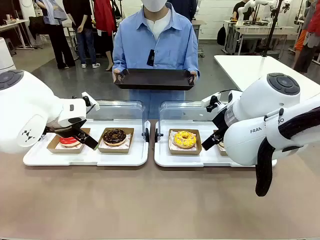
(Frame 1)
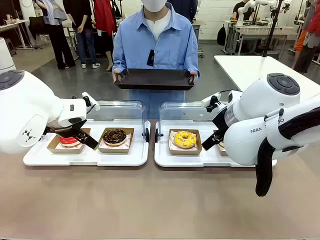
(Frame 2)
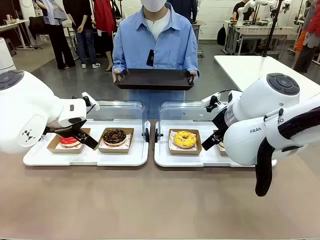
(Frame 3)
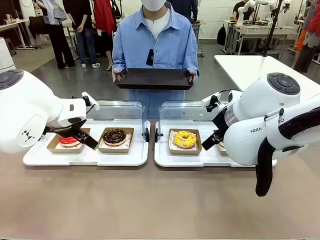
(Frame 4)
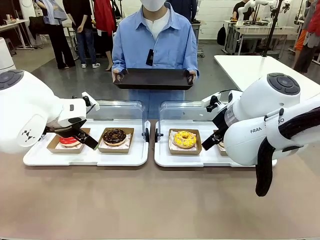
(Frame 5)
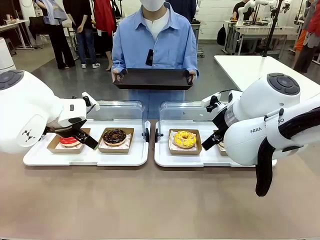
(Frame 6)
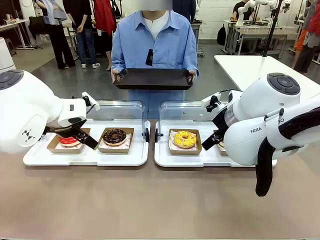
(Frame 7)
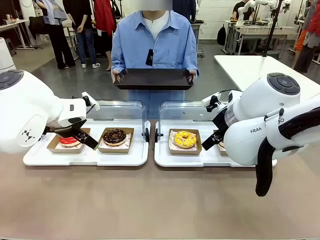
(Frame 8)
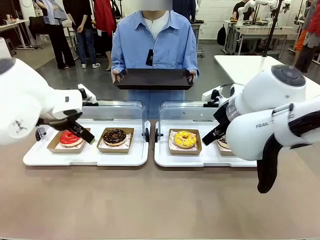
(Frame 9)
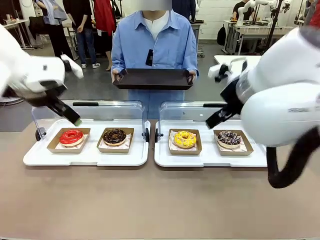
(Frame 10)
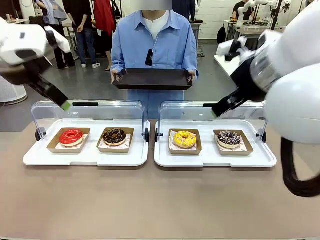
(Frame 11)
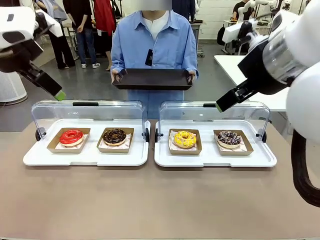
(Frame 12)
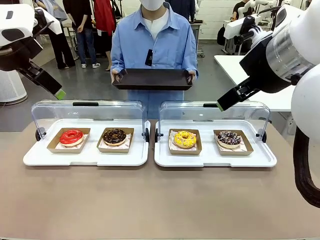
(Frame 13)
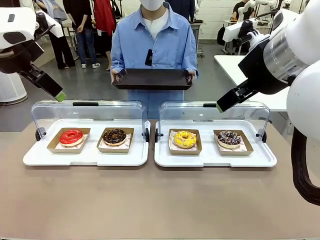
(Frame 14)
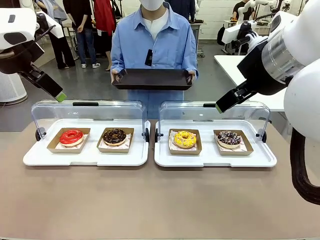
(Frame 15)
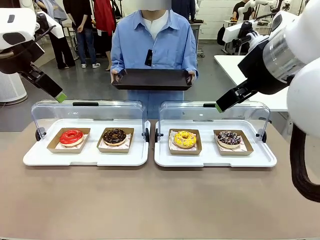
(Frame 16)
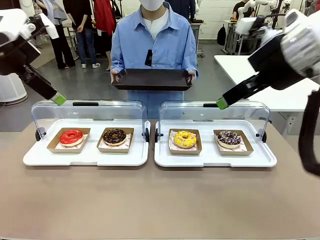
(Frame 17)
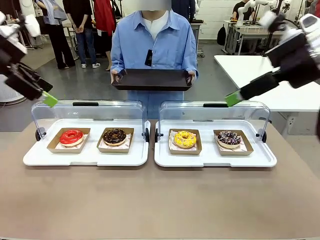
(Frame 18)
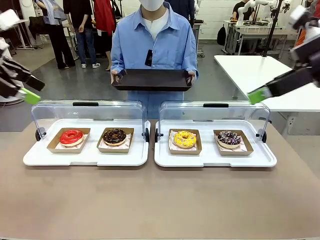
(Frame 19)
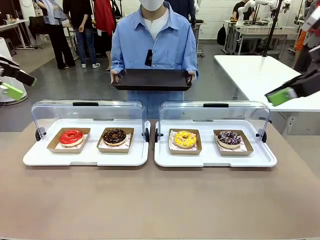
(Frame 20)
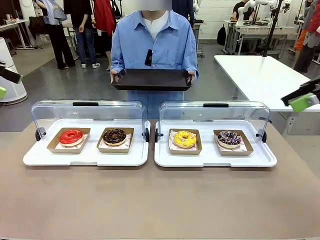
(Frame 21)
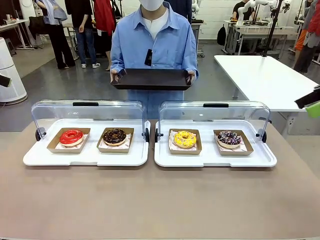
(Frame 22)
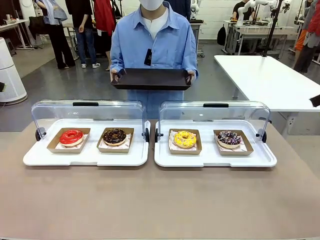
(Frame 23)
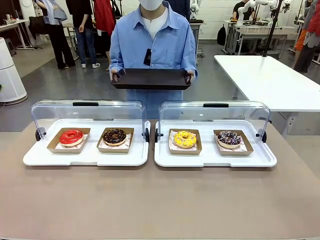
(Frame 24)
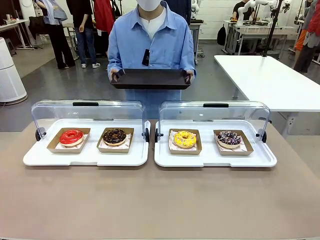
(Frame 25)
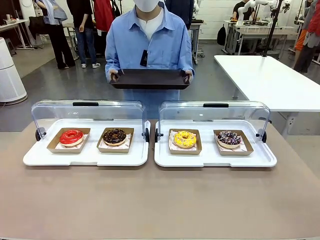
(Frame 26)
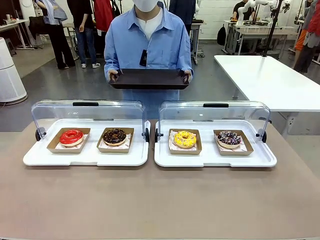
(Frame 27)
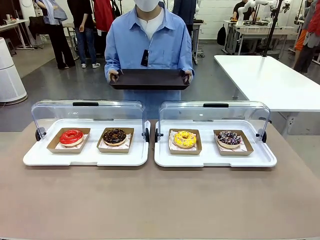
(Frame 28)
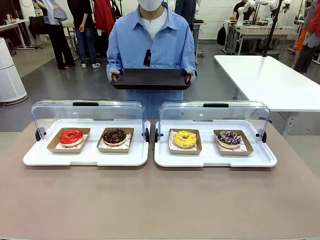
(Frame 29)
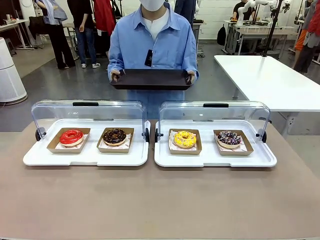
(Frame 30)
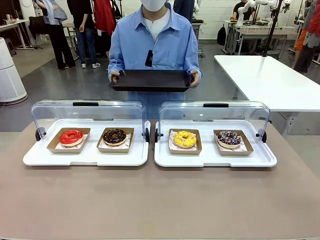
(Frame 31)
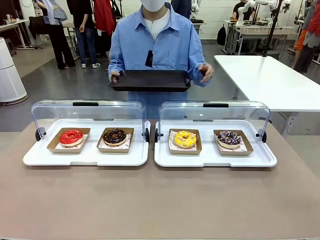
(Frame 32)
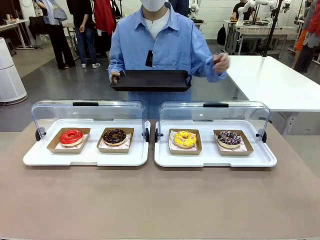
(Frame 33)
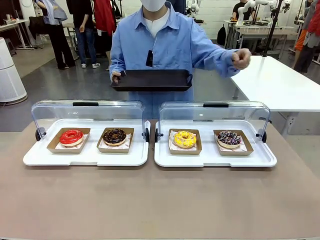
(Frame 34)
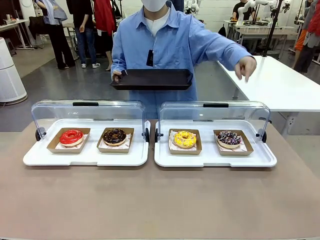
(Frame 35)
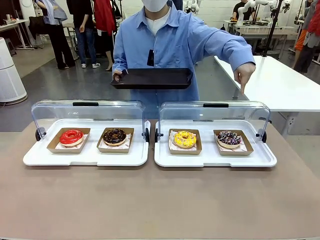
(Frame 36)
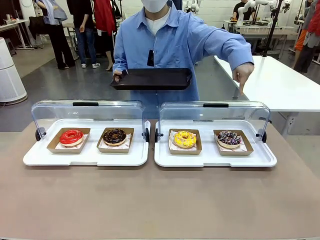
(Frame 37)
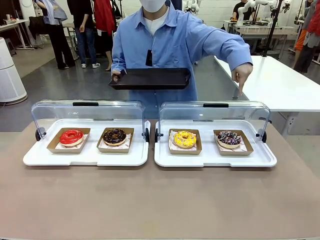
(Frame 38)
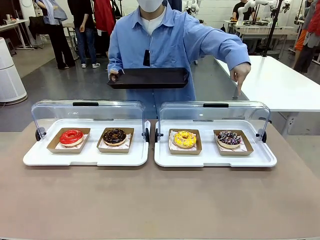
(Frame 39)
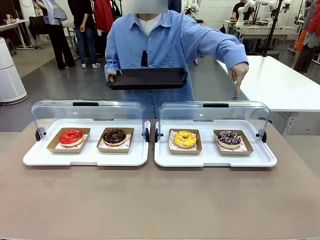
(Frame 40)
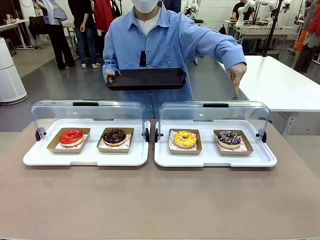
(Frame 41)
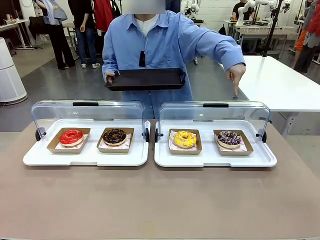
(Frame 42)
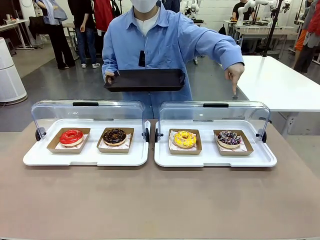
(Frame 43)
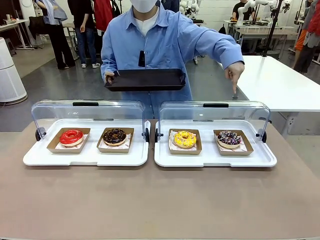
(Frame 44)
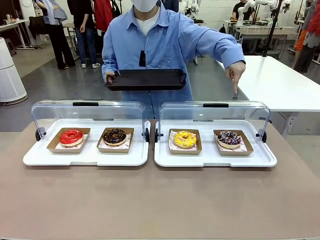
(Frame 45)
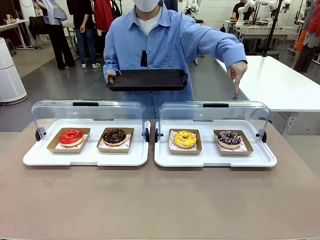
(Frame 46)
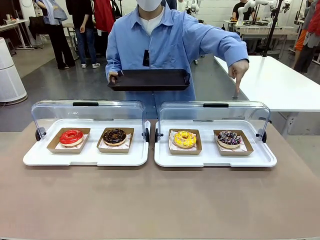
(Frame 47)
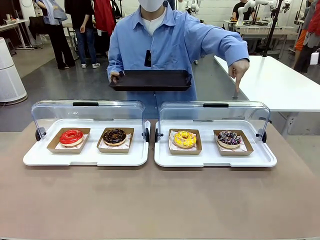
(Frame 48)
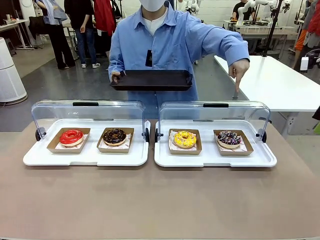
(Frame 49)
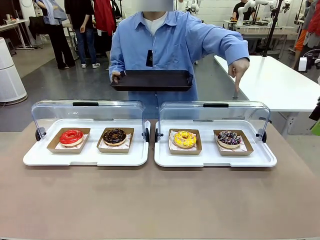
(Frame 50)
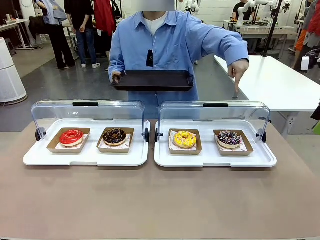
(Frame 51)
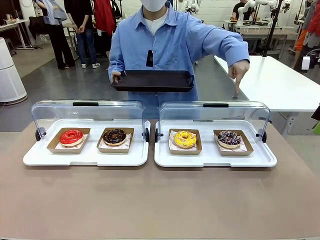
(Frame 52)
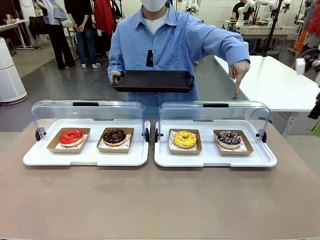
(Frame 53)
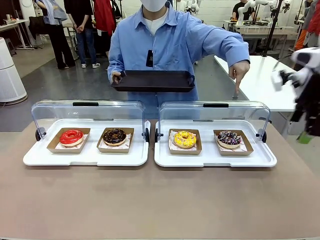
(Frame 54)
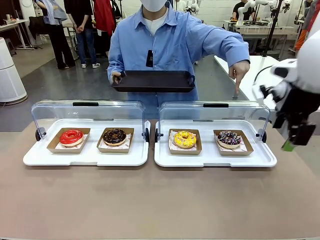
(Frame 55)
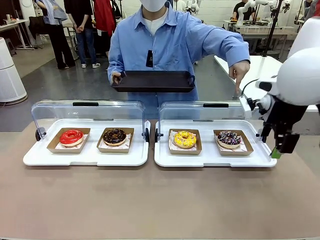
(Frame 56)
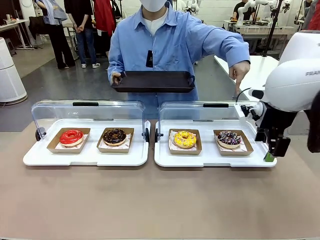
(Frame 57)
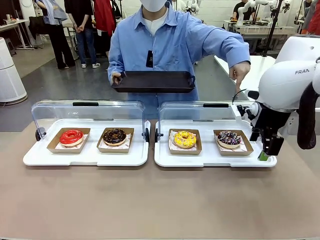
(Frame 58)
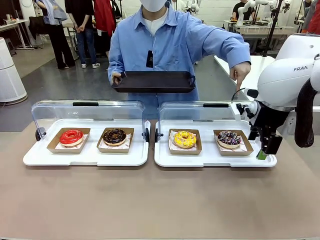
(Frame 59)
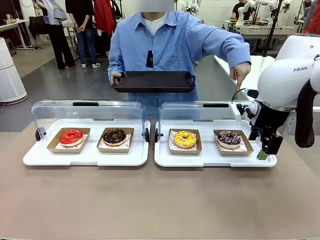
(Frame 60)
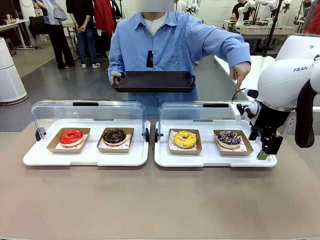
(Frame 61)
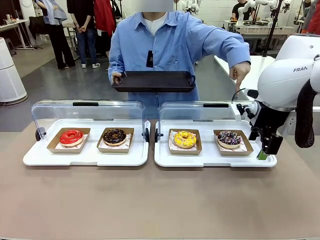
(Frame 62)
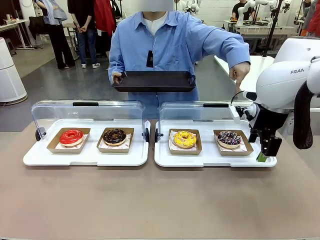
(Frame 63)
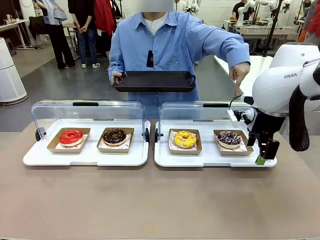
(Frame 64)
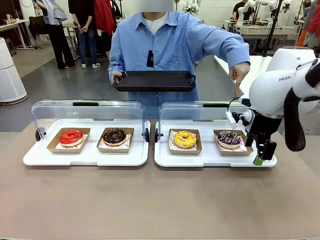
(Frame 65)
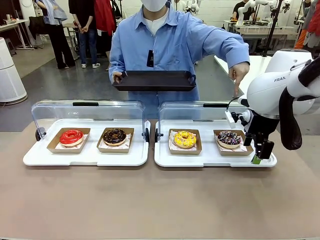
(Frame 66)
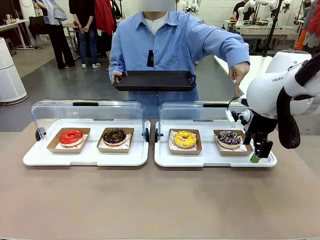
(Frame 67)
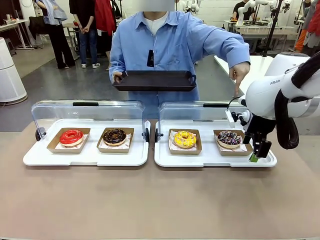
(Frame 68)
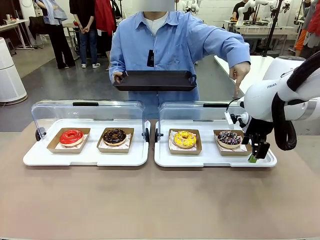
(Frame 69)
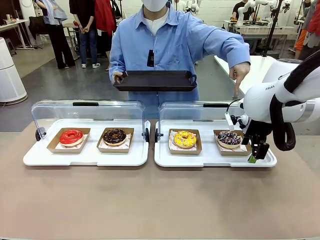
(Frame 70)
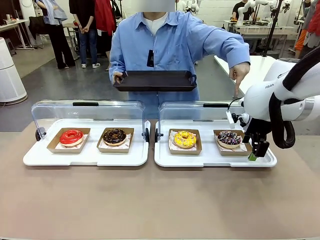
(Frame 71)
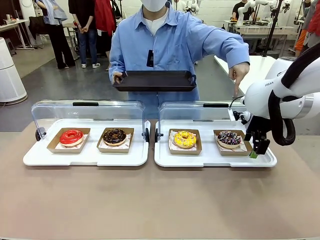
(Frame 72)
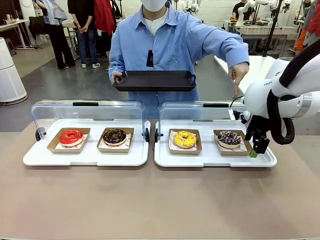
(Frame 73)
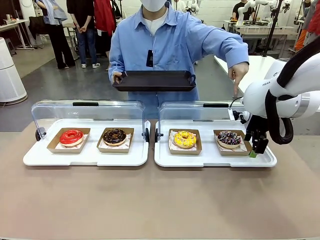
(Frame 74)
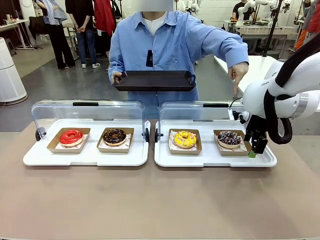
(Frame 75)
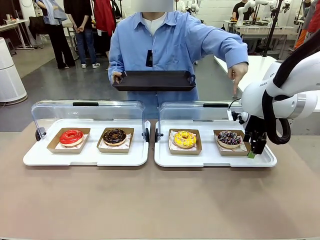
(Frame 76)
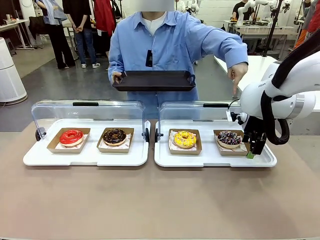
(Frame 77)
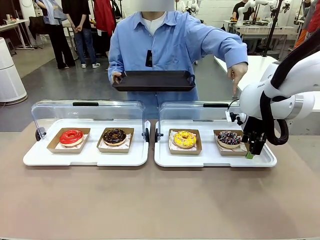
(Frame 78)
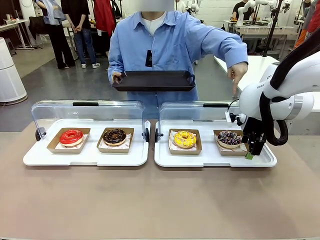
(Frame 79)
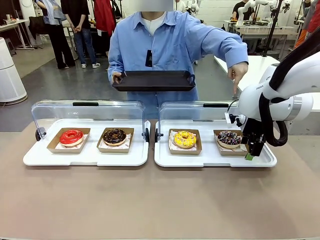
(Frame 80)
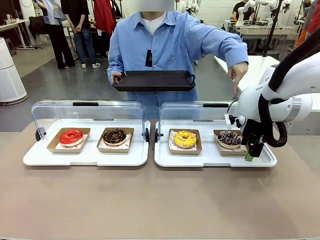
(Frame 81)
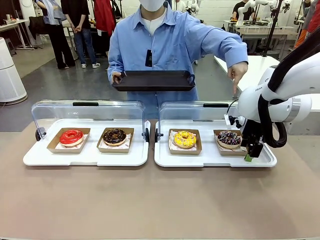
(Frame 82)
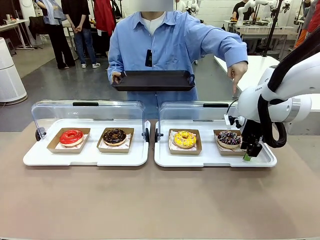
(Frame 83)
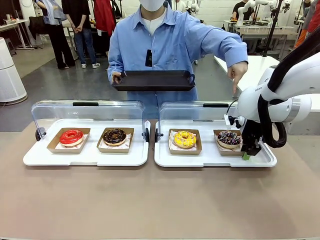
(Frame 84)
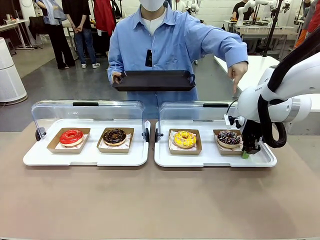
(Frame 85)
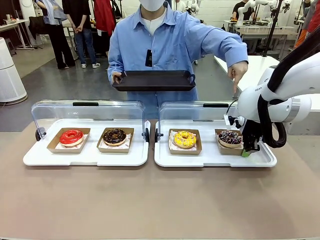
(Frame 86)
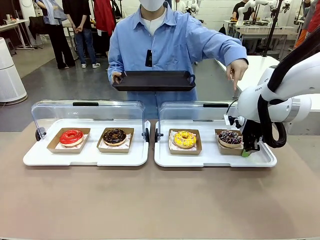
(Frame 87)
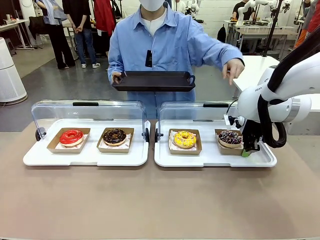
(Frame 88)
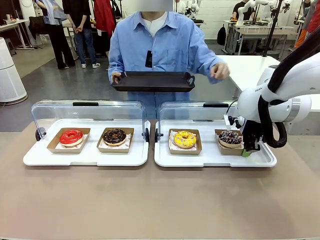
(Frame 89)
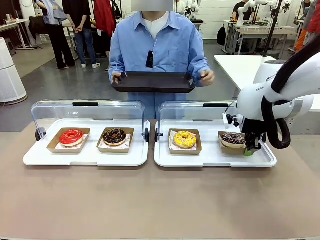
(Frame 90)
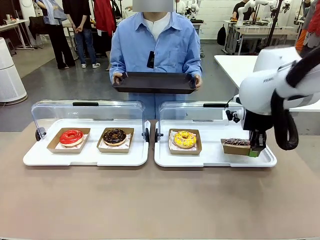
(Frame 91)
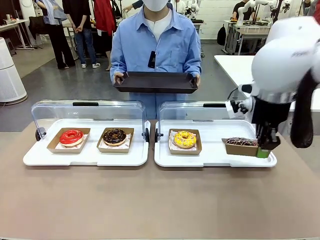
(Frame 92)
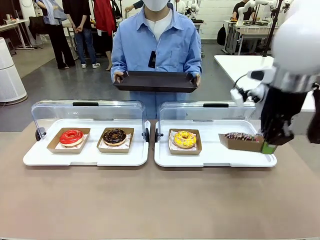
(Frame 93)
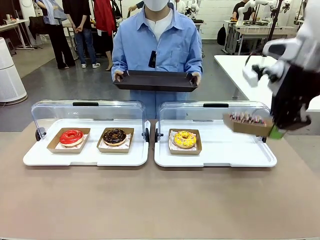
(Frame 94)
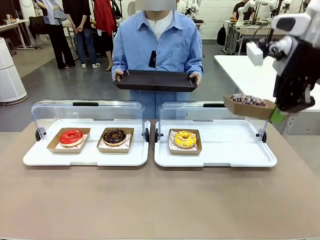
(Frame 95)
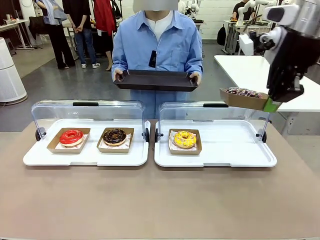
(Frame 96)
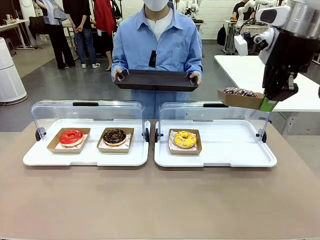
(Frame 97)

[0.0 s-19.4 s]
Task: Provide the desired donut to the person.
Robot: Pick up and lift the Paper togo box containing the Donut pointed at by the person.
Person: Point to one donut. Lift the tray onto the Roll-Top Bakery Case.
